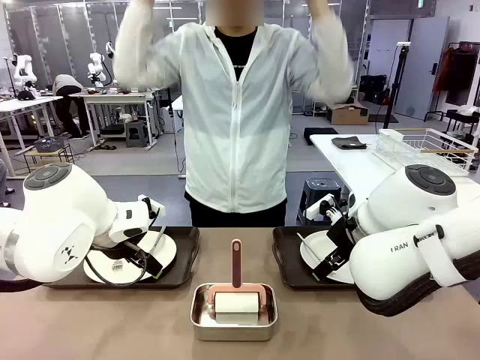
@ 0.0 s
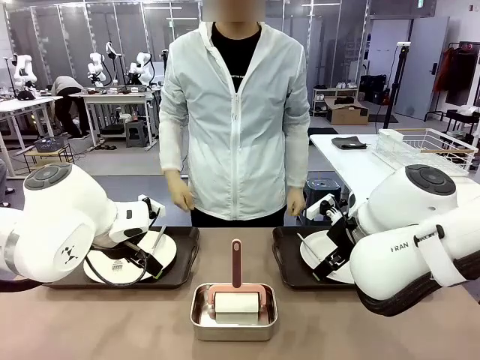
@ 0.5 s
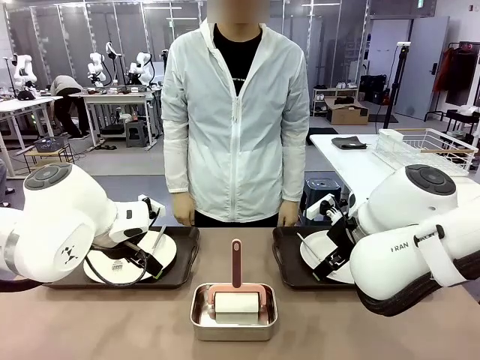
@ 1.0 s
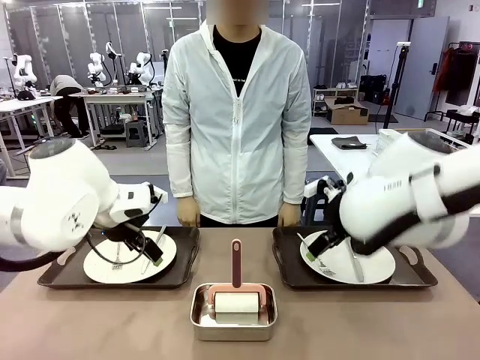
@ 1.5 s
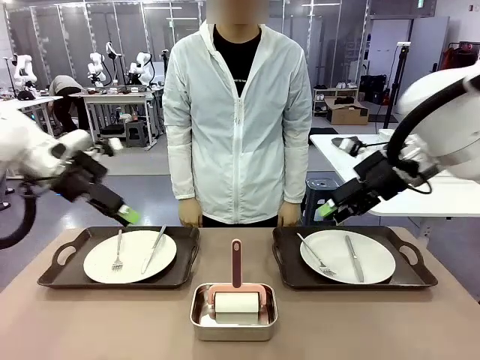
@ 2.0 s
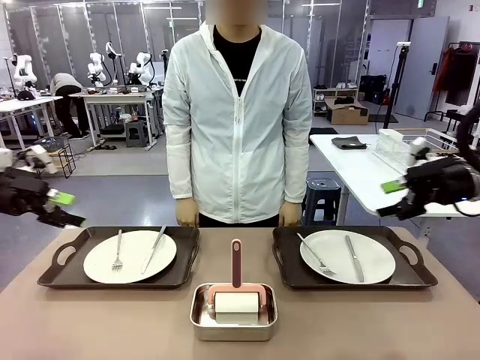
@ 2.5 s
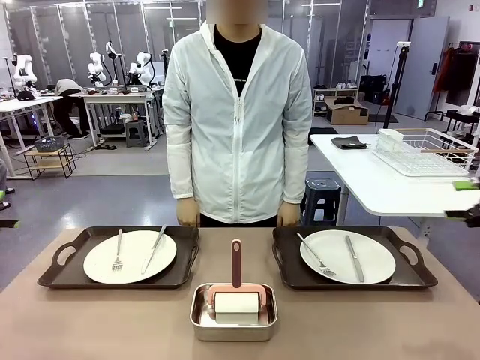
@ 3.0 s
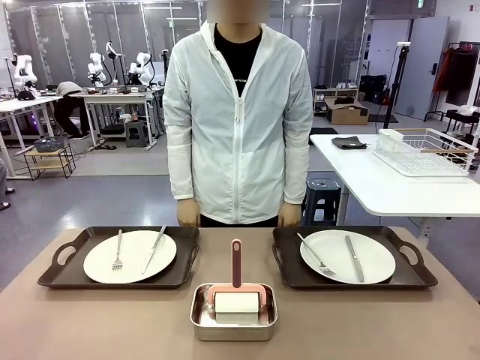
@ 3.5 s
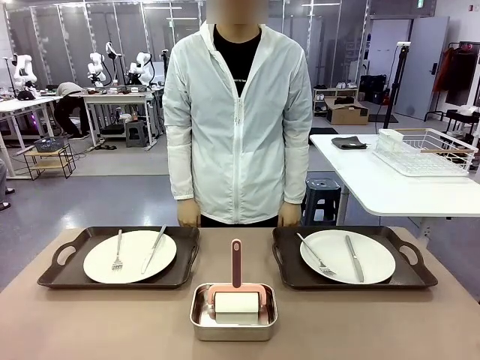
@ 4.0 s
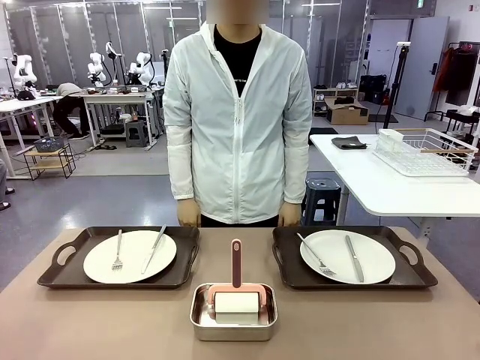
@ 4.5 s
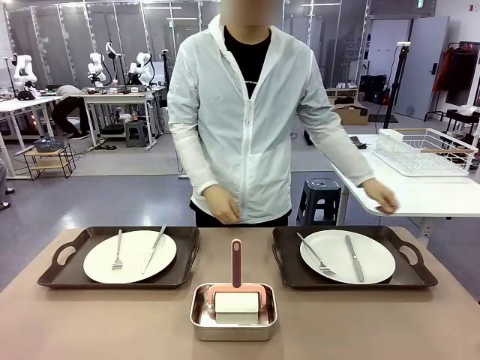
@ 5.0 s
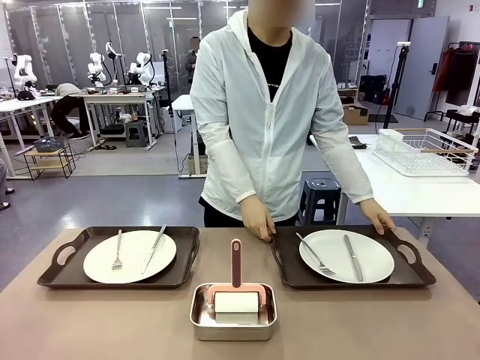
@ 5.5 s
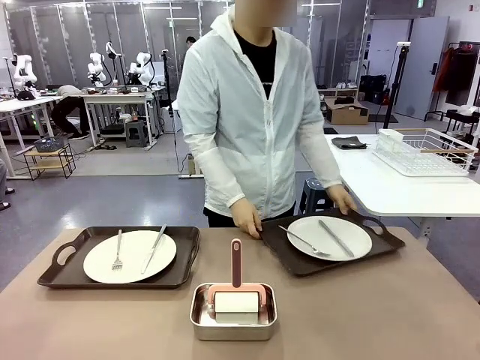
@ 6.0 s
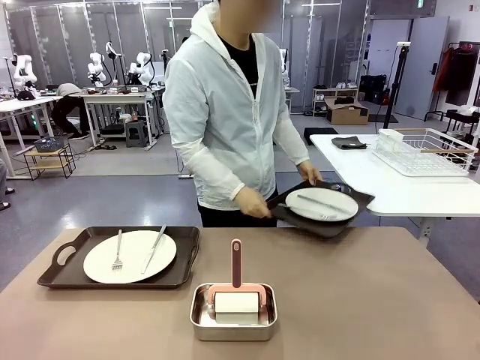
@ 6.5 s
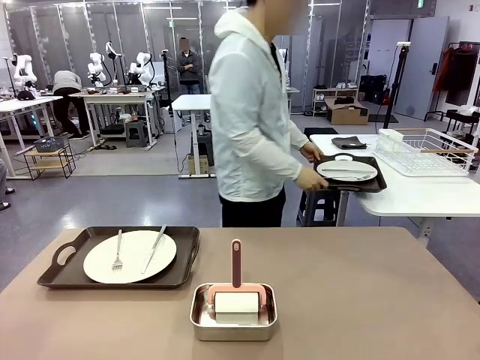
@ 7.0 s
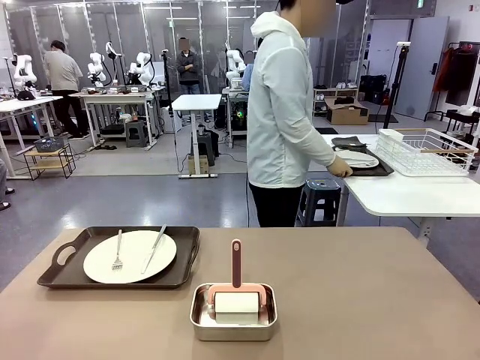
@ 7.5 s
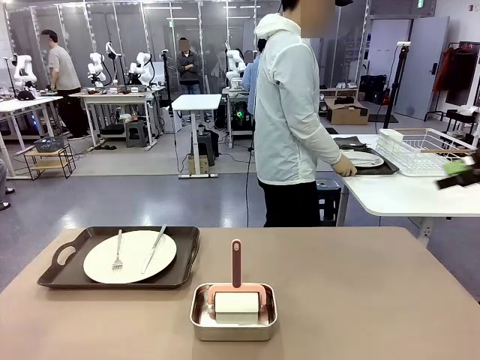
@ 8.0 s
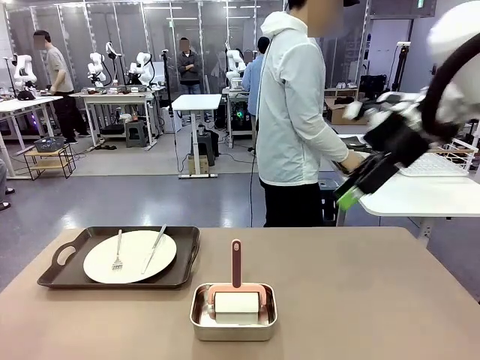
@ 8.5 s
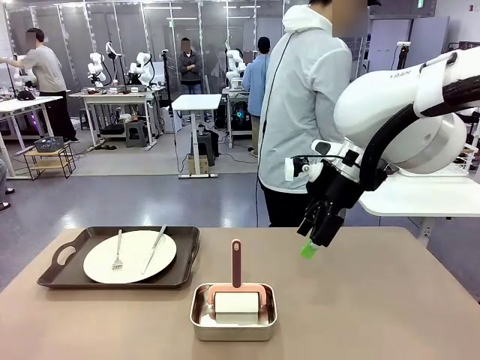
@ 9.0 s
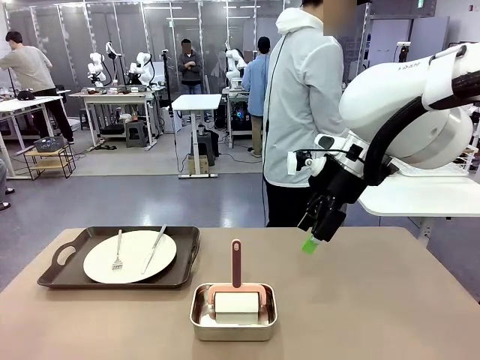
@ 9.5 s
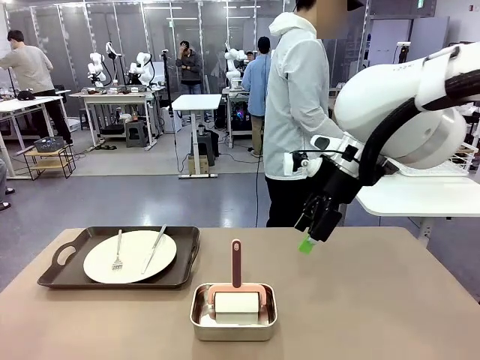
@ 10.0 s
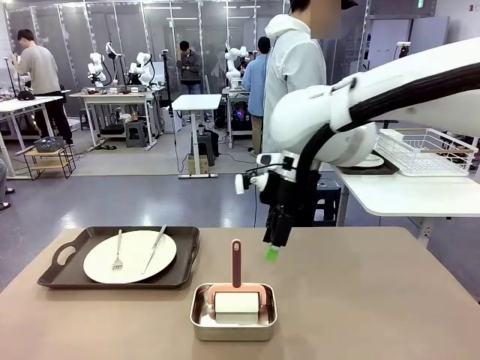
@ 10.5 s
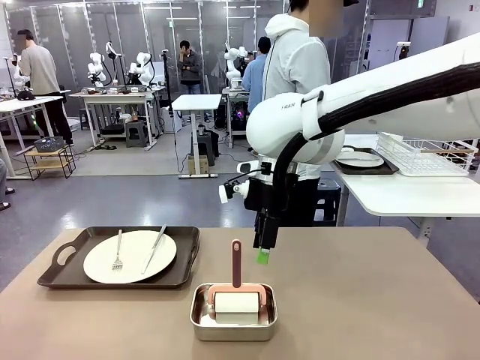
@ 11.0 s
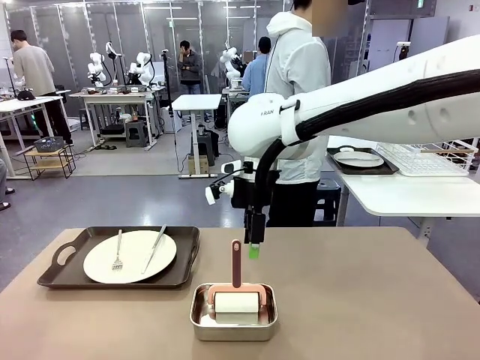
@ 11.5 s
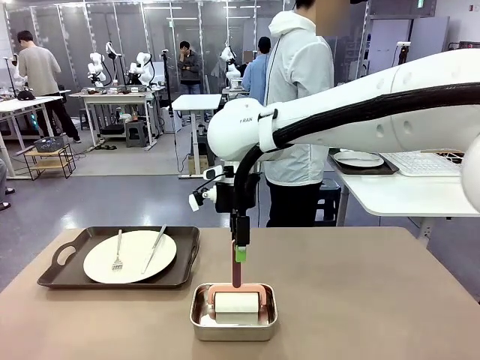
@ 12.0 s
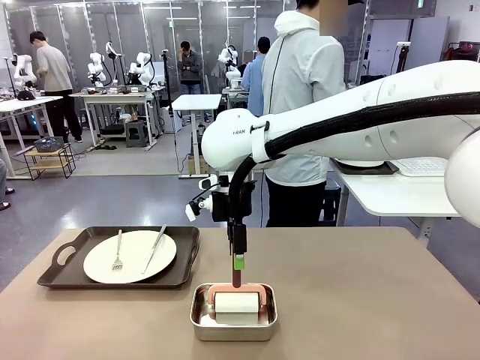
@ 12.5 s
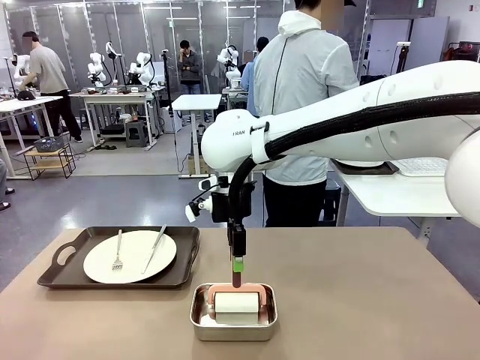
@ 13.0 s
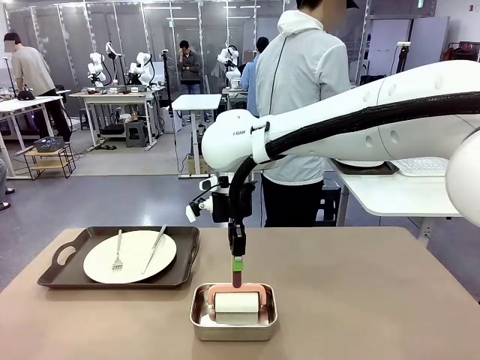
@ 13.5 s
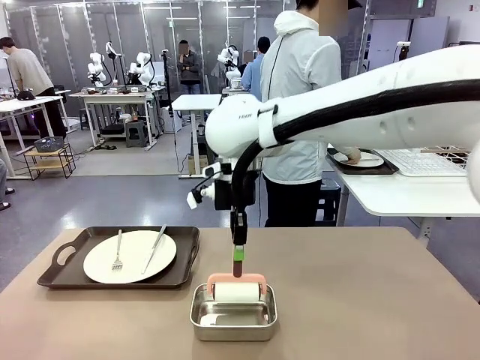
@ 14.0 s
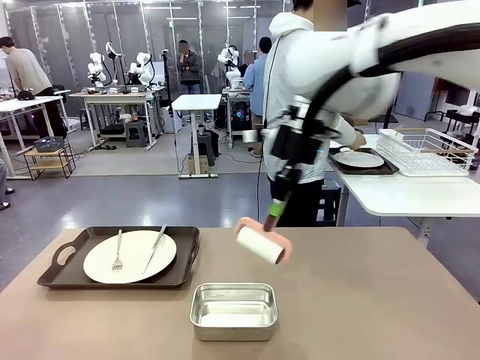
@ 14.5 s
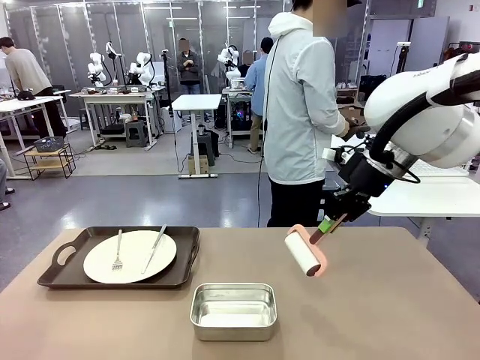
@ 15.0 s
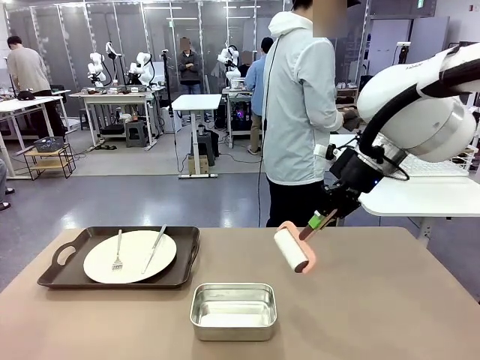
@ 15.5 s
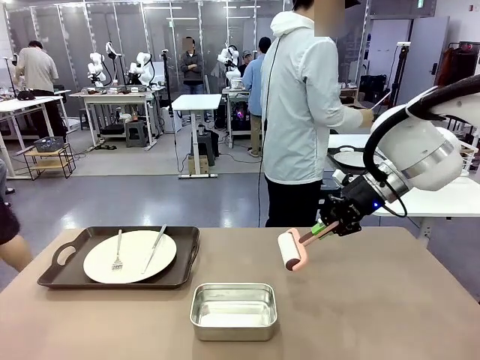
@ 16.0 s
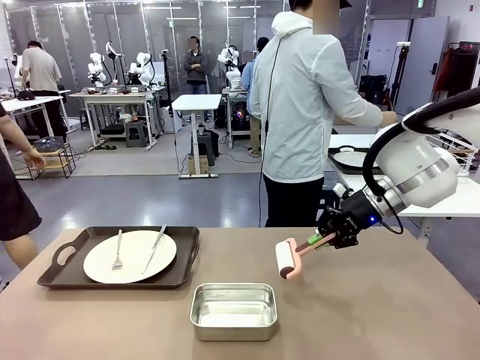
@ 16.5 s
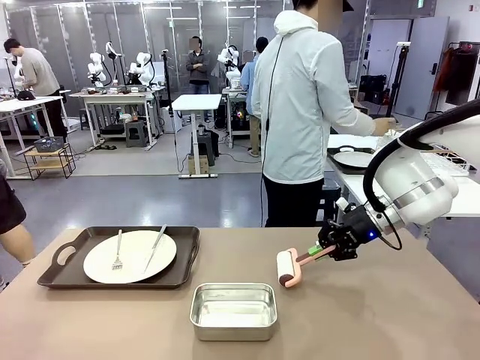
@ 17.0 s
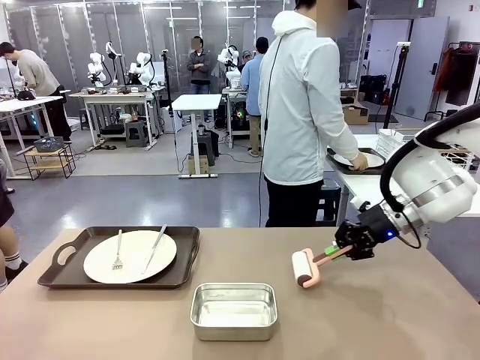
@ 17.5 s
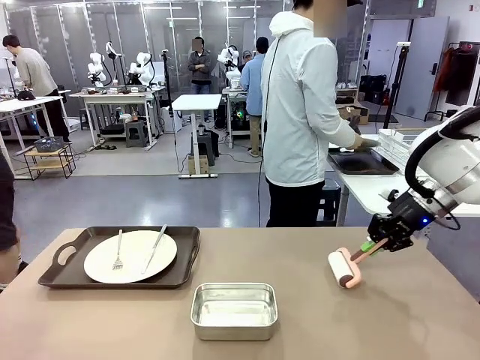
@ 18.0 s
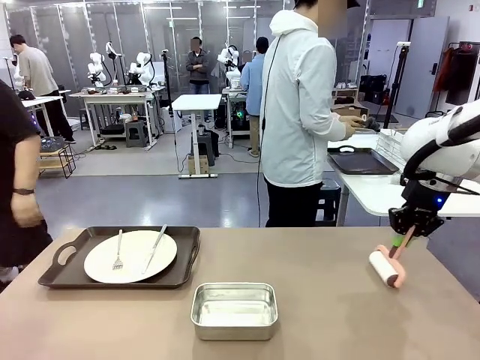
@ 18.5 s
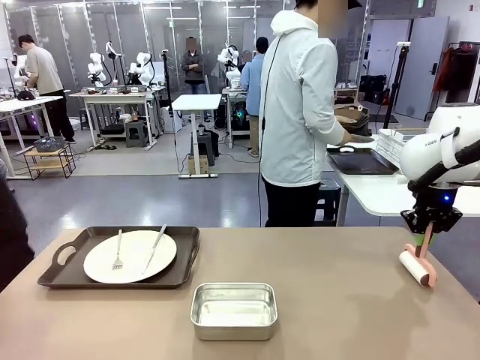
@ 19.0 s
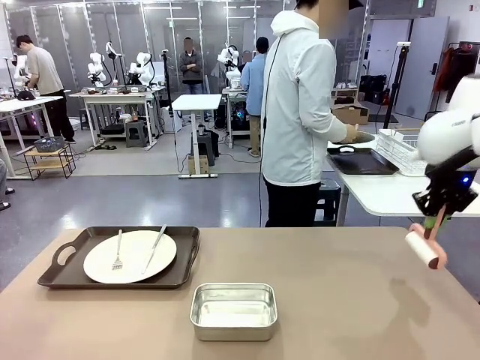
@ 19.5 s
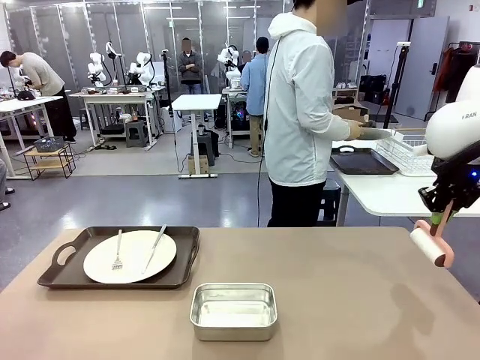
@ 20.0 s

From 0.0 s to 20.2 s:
Robot: When the left (or right) Handle tray is removed, use the left hand (or right hand) to clean the left (or right) side of the table with the Lint Roller.
Person: Pick up the left (or right) Handle tray and place it on the middle of the Human's table. Use the Towel with hook to wipe the Plastic Matte Plate , Fork , and Knife and place into the Dish drying rack.

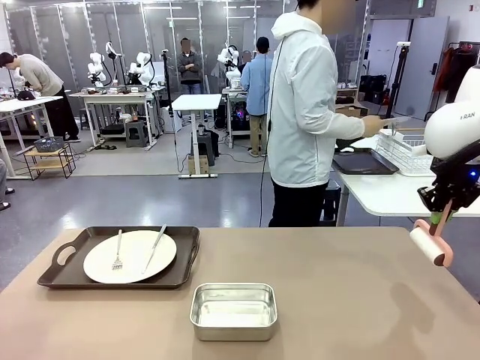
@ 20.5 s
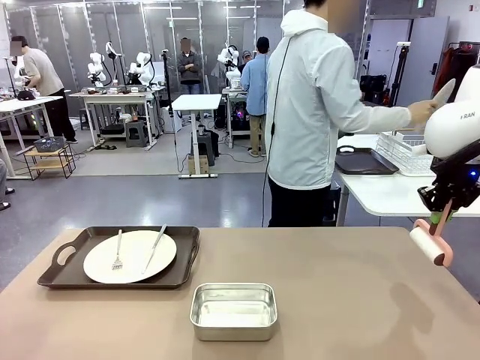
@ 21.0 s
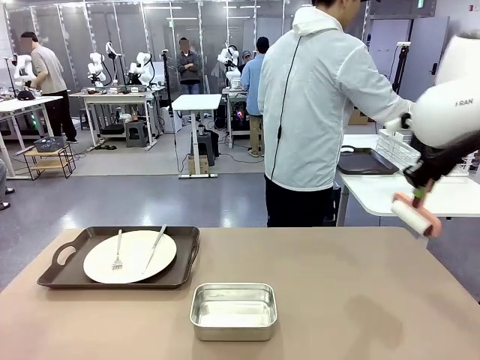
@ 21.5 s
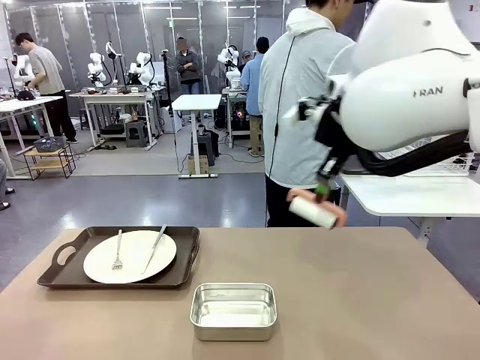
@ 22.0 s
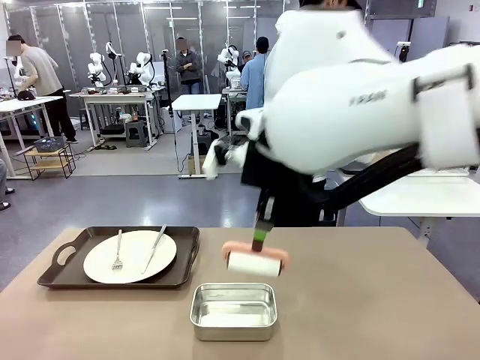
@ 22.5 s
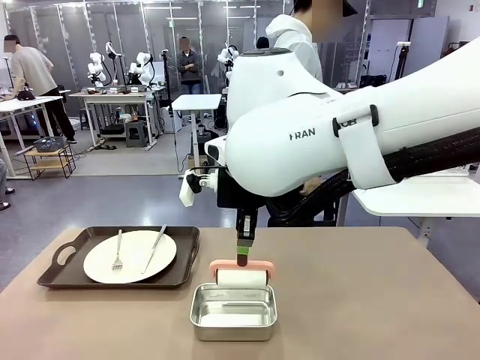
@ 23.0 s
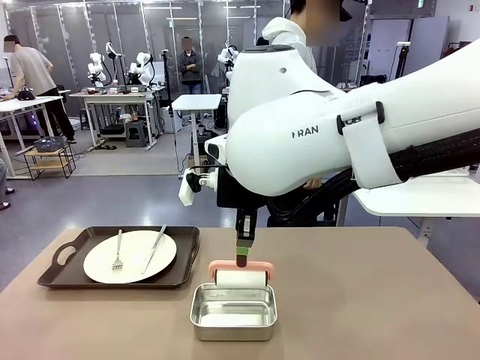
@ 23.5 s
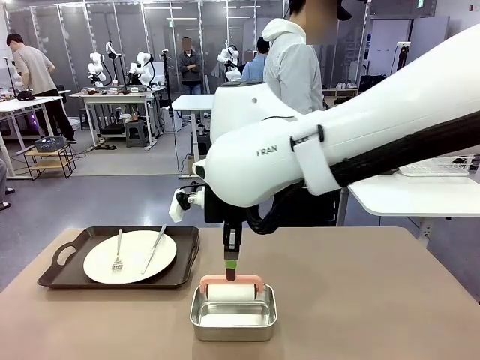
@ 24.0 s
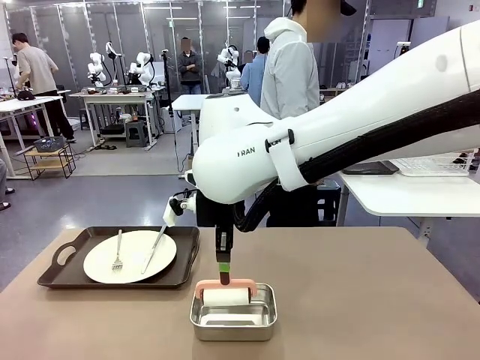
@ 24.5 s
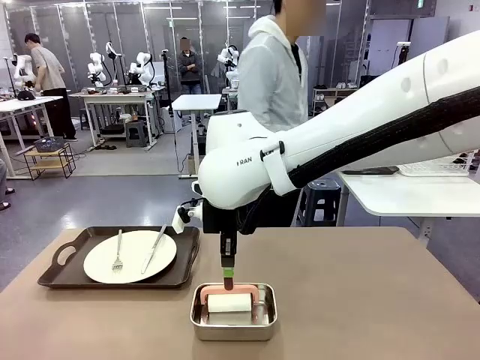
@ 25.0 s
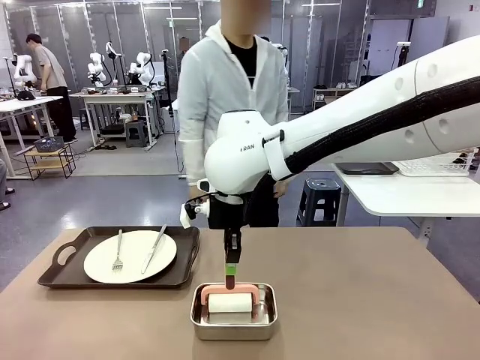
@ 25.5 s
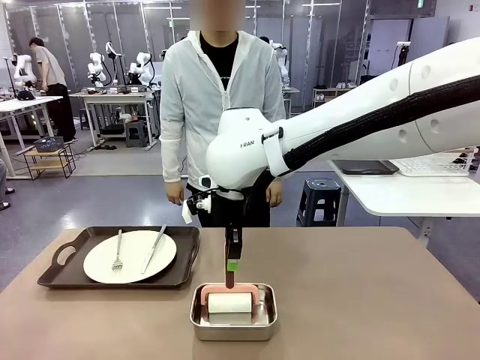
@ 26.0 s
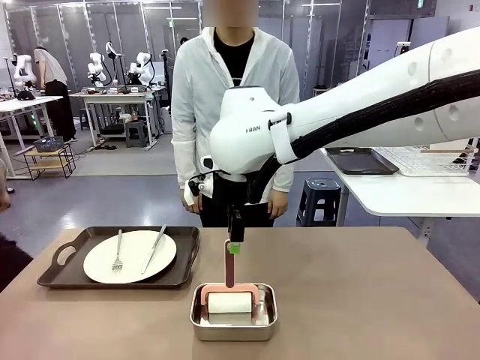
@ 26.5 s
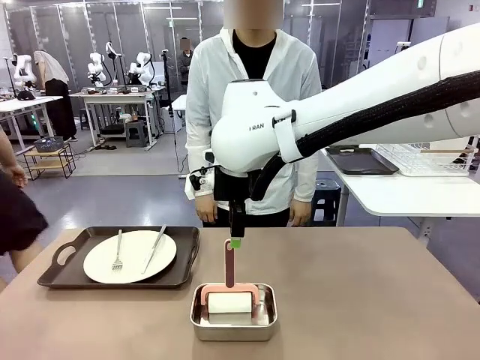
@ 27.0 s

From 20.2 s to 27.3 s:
Robot: Place the Lint Roller back on top of the Airtight Container.
